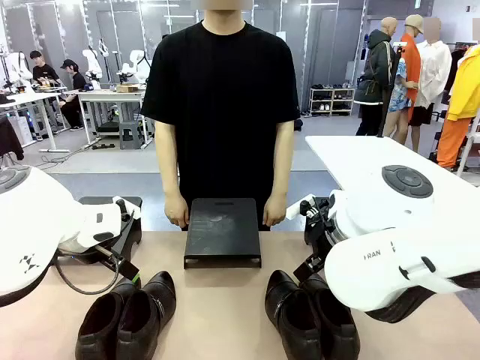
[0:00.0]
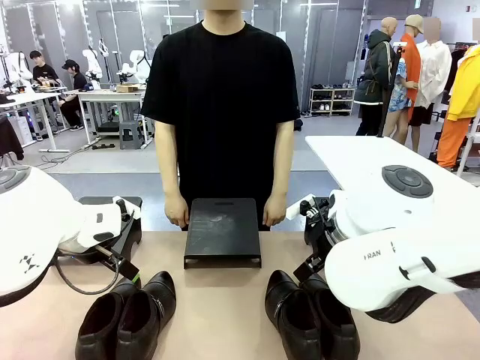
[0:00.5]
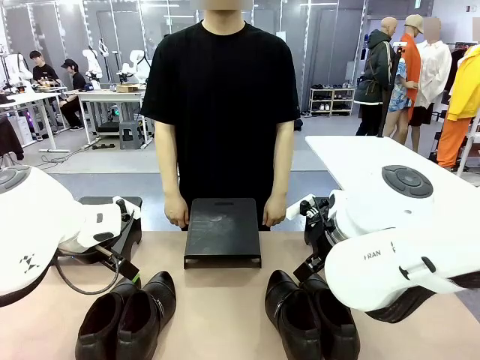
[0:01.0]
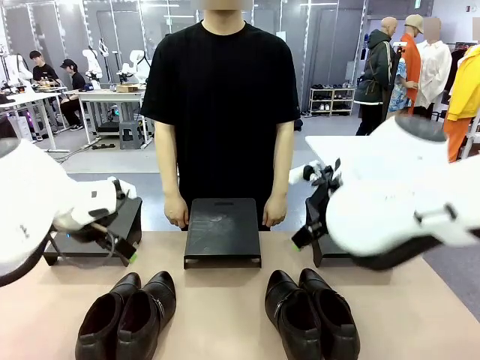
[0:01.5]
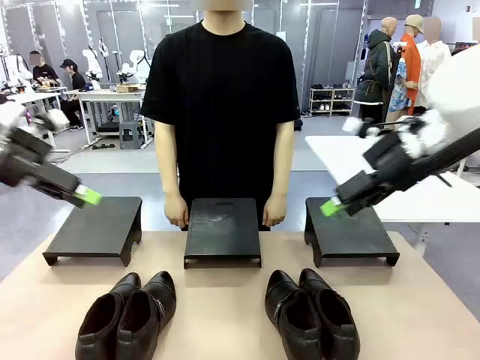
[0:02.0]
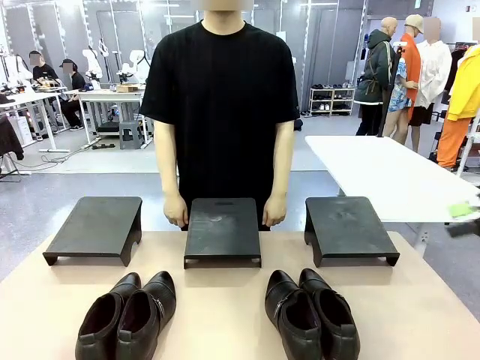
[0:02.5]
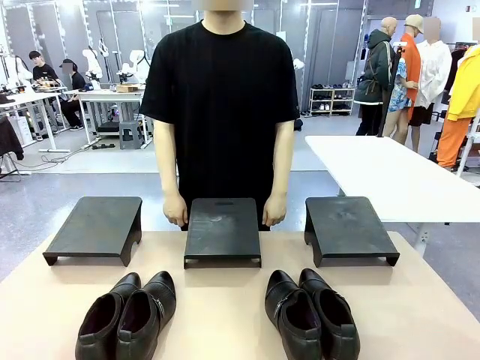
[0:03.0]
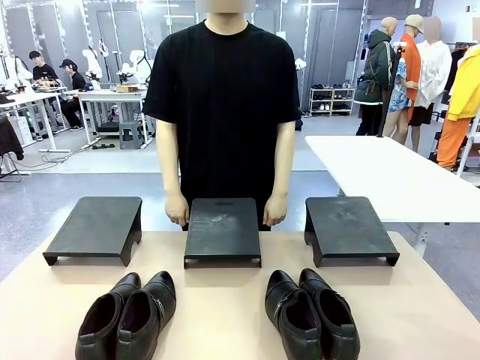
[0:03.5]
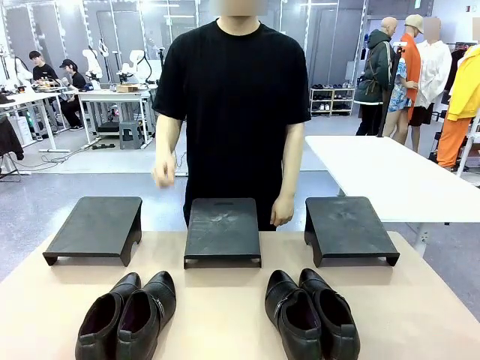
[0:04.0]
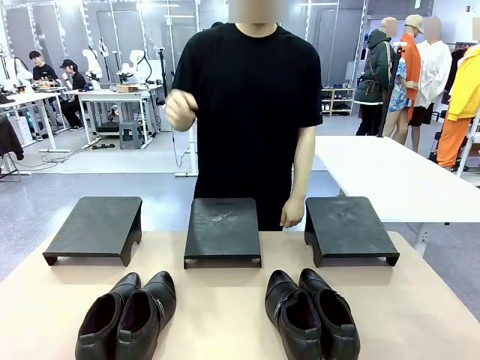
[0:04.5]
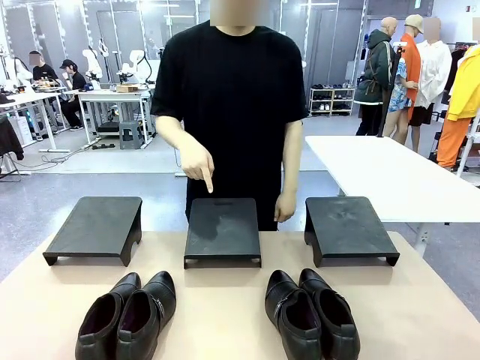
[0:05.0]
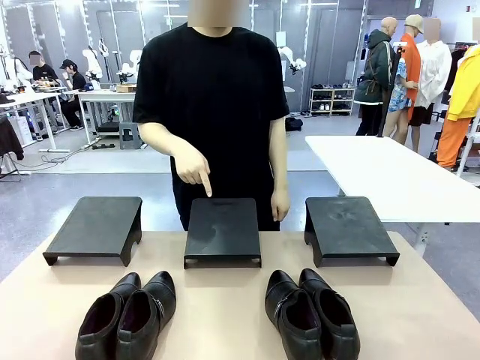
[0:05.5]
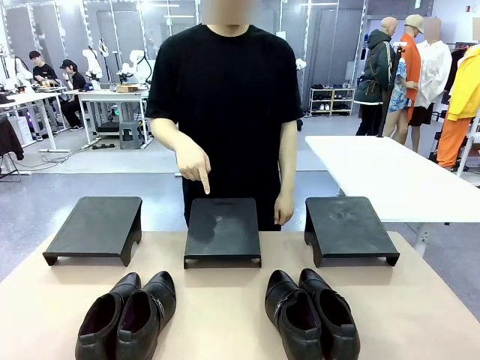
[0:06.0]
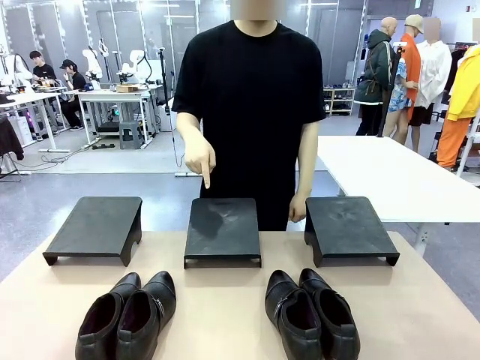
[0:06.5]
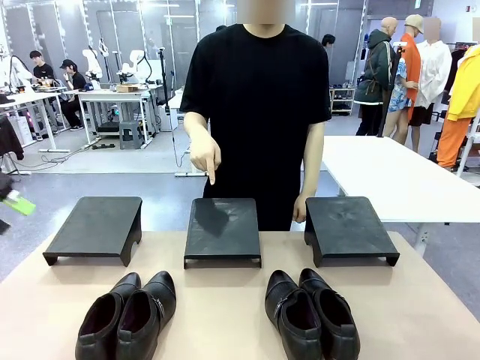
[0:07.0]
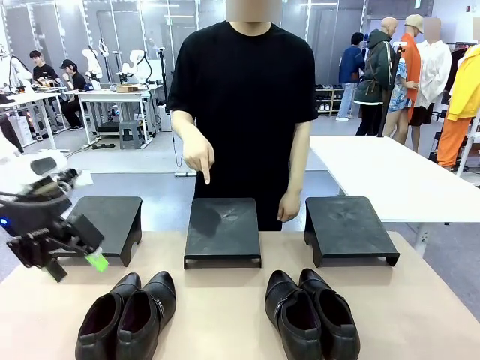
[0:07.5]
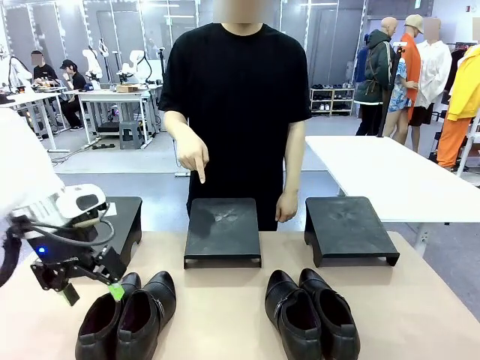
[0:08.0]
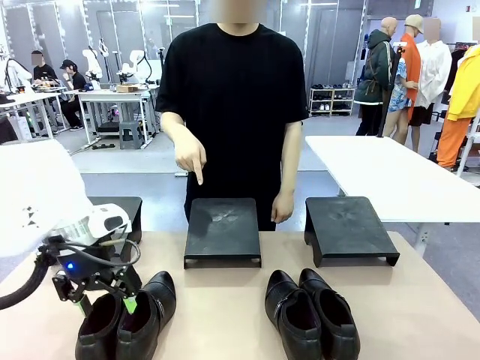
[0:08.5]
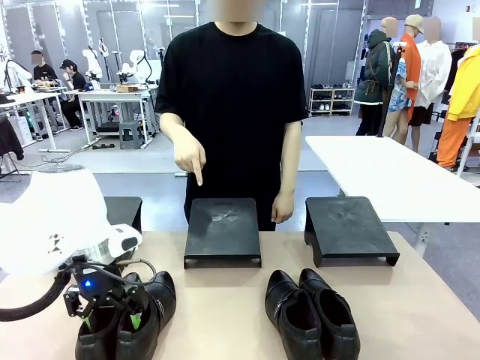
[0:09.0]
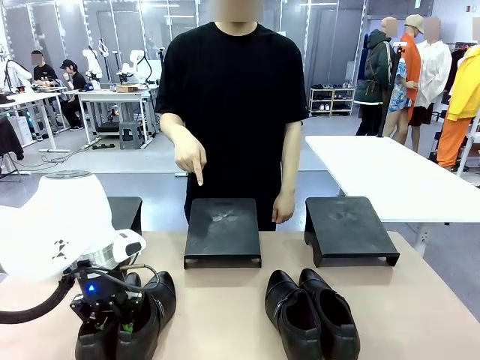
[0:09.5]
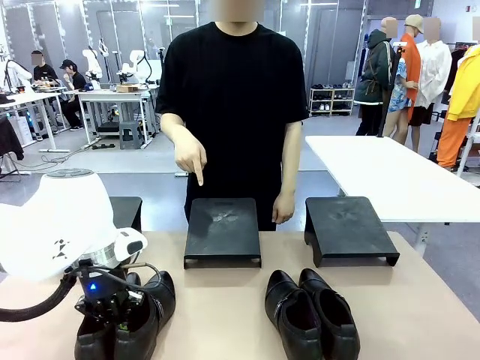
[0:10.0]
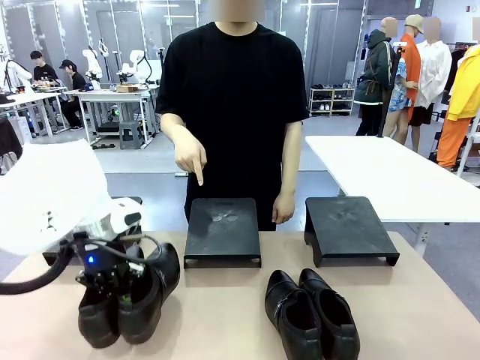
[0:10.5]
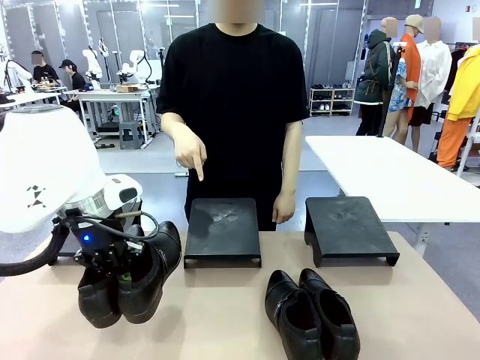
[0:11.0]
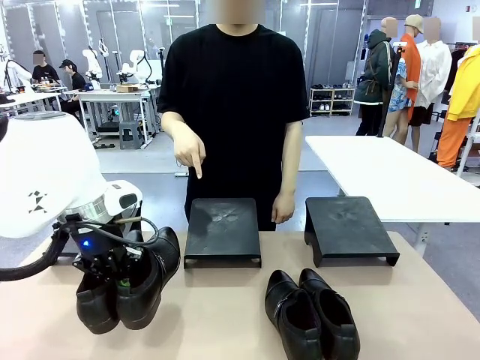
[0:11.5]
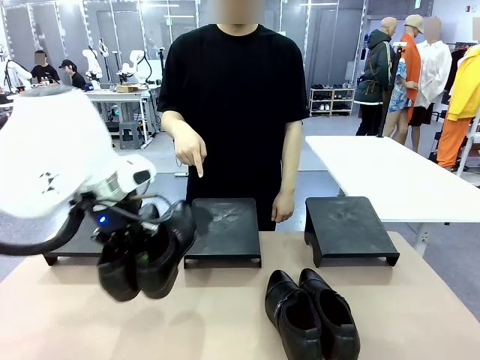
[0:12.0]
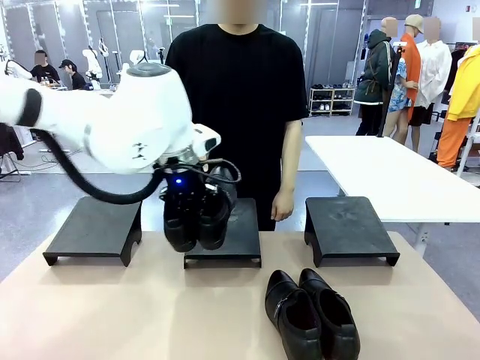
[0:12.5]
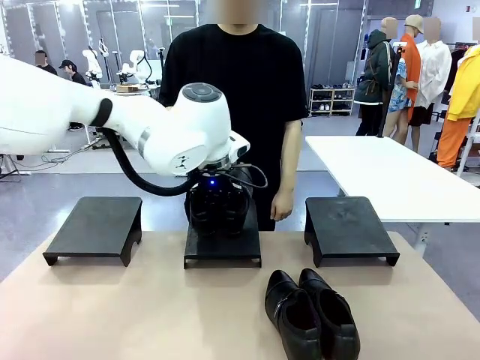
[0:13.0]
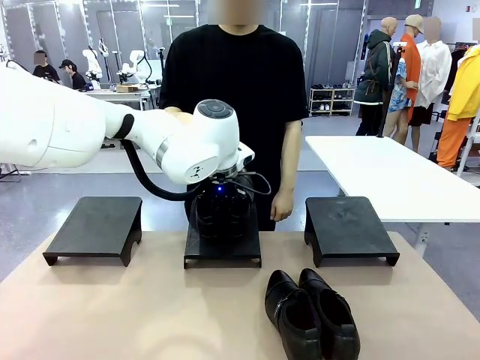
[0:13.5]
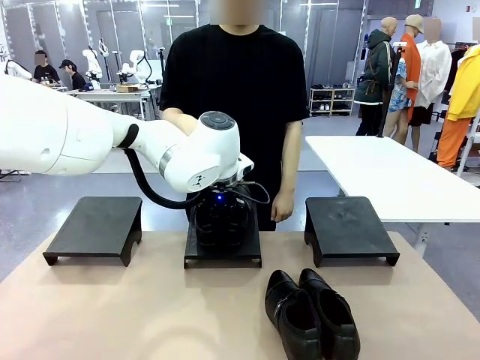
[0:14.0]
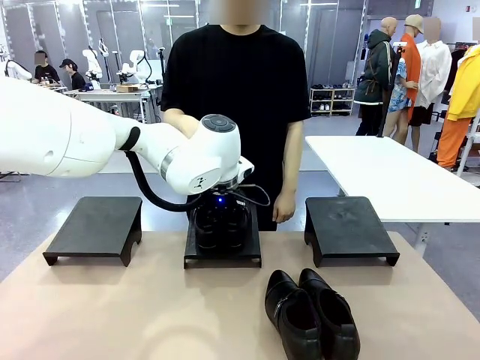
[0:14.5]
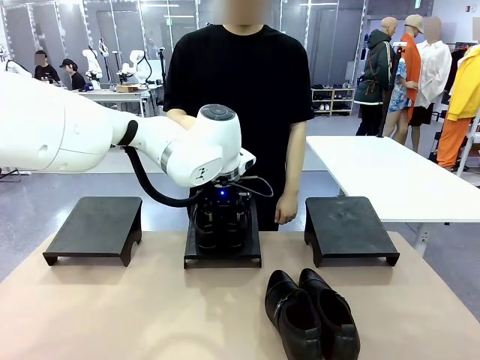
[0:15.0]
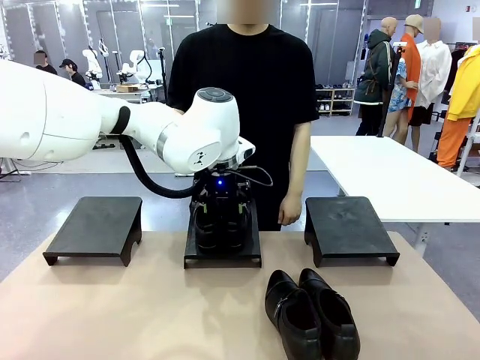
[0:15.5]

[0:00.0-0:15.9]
Task: Place the shoes on the stand as instructed by the person.
Robot: Pick up one pair of Shoes and place it on the Shoes Stand indicated by the person.
